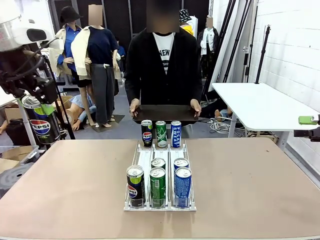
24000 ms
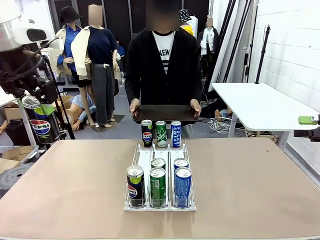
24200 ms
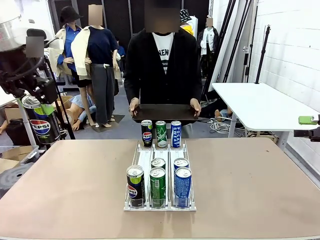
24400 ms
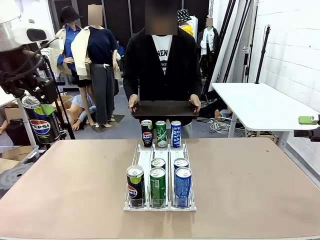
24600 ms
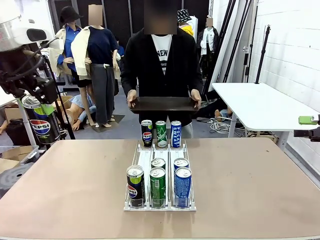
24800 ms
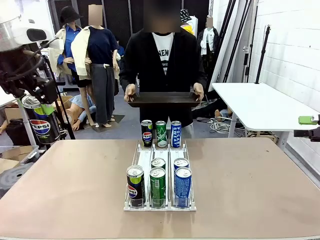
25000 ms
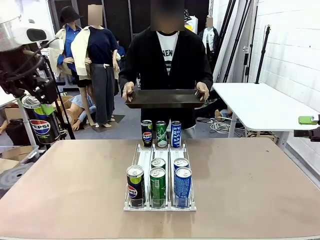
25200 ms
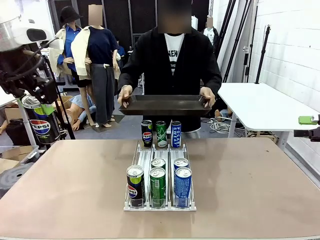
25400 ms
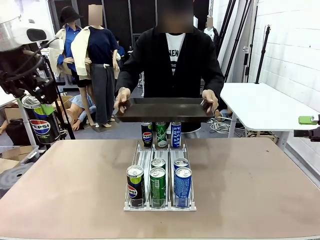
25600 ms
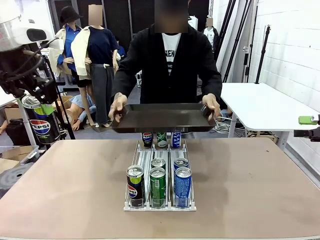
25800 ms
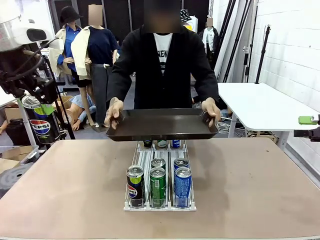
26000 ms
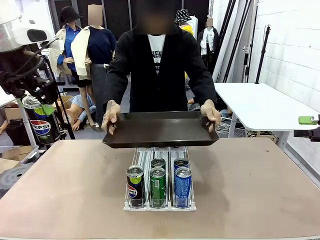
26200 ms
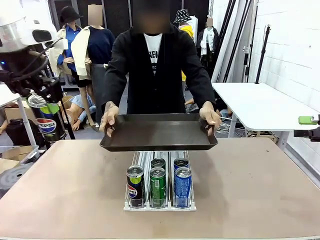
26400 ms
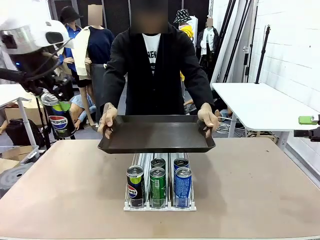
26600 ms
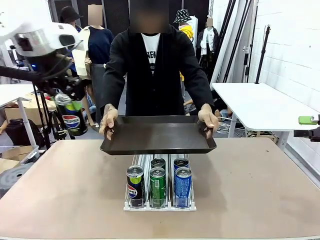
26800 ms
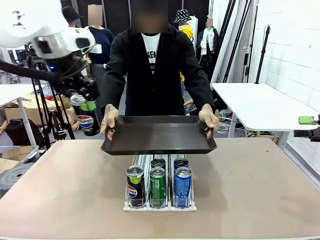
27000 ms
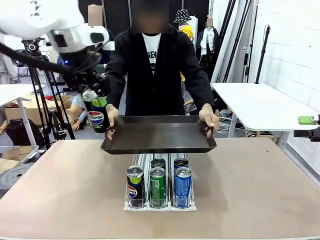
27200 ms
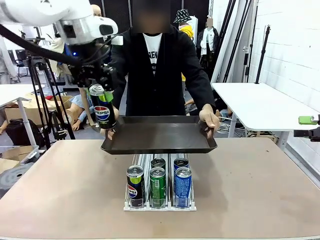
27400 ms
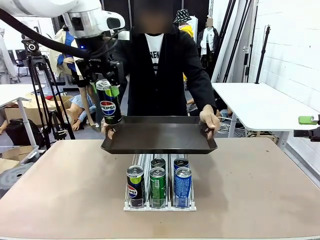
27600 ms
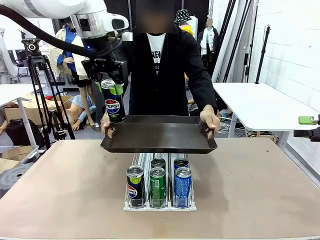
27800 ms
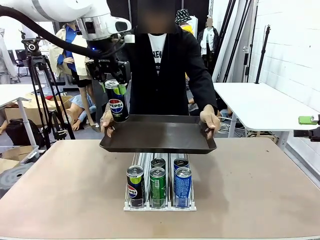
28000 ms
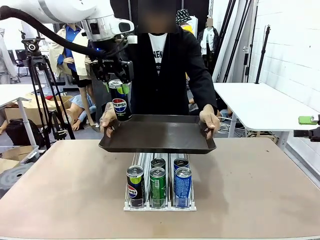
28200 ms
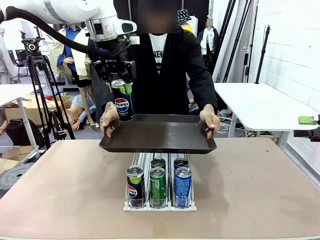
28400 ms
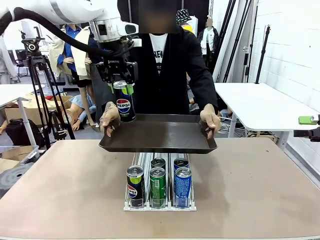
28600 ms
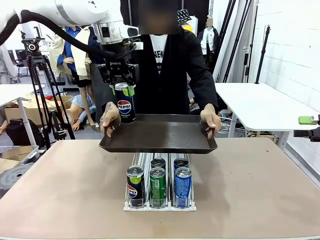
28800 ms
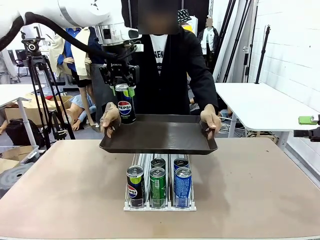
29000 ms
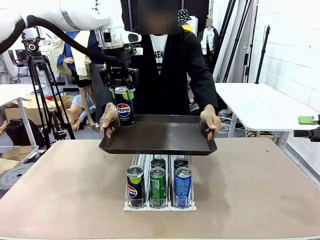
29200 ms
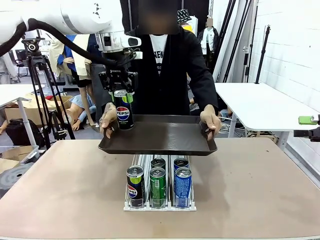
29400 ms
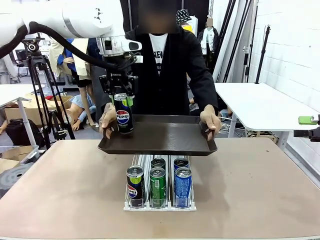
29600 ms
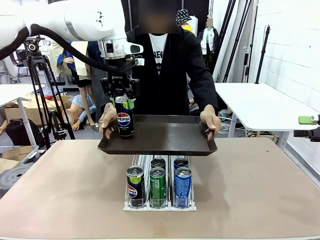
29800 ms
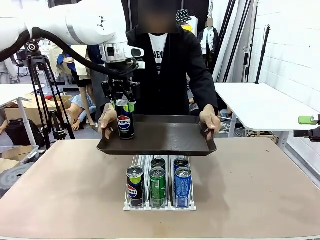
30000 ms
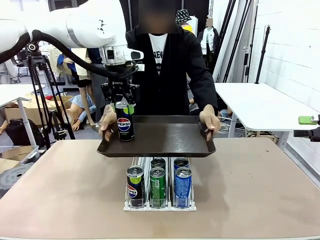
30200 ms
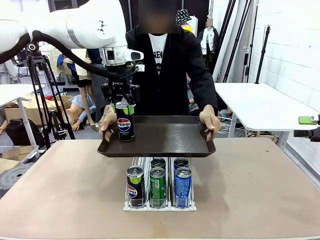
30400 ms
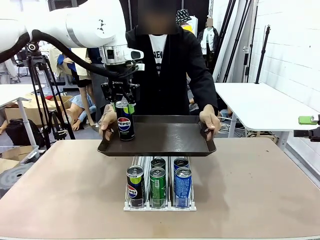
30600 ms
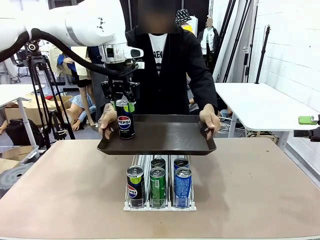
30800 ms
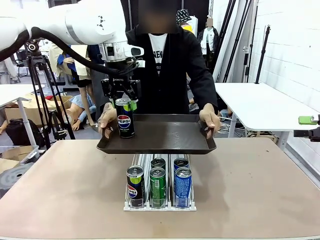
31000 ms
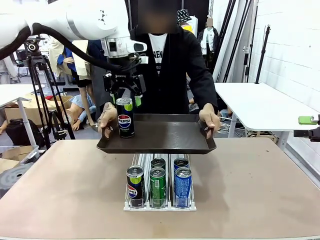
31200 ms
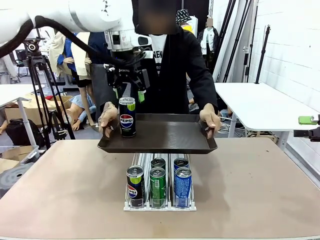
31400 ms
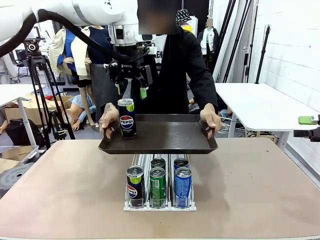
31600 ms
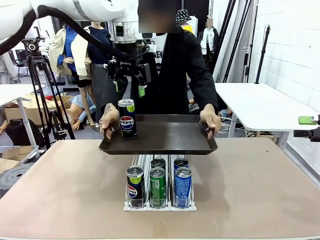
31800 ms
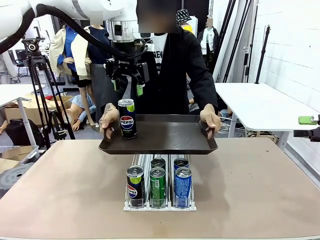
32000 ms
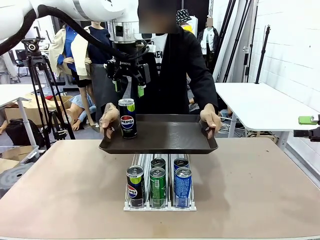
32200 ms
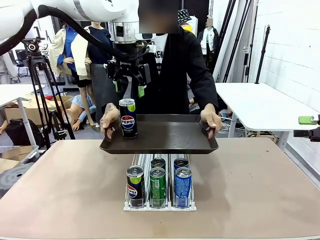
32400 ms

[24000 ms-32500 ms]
Task: Retrieve and hand over the desired beverage to the person.
Robot: Place the picked can on the Handle tray extended by the person.

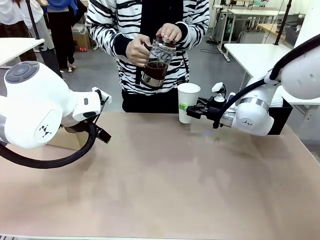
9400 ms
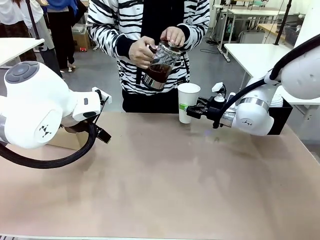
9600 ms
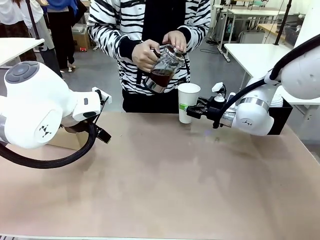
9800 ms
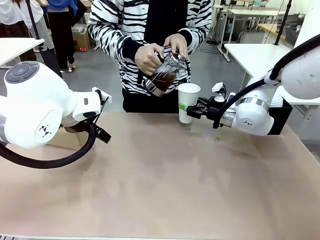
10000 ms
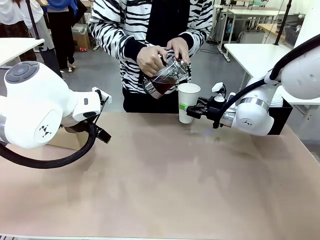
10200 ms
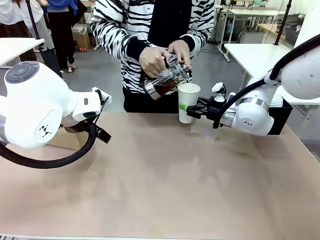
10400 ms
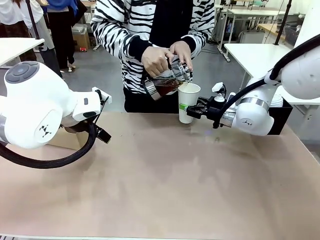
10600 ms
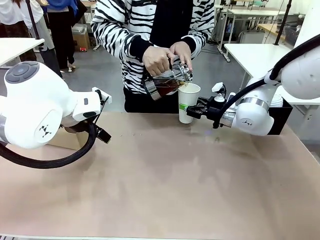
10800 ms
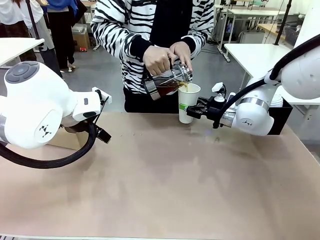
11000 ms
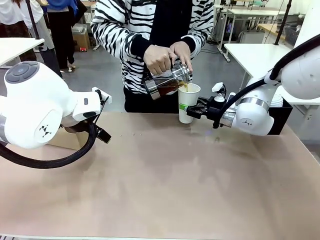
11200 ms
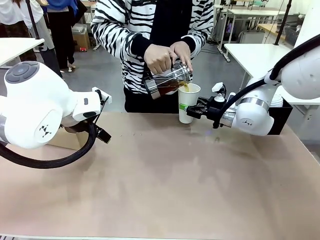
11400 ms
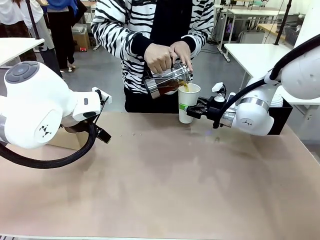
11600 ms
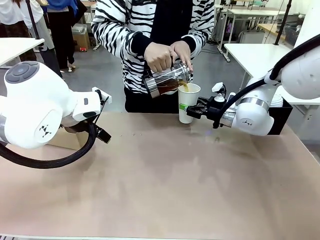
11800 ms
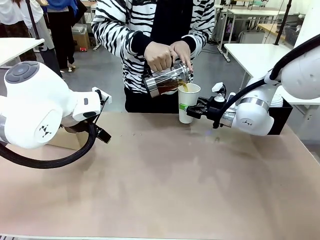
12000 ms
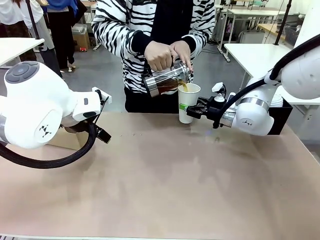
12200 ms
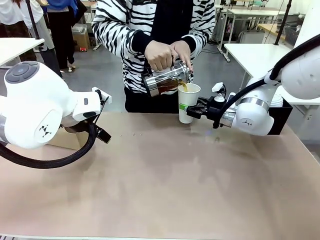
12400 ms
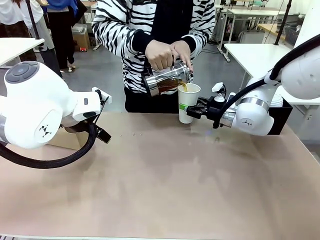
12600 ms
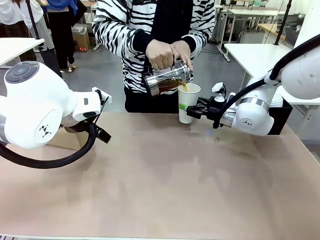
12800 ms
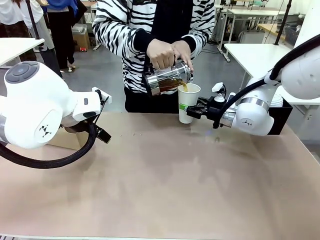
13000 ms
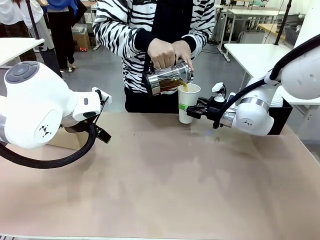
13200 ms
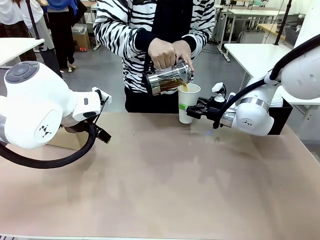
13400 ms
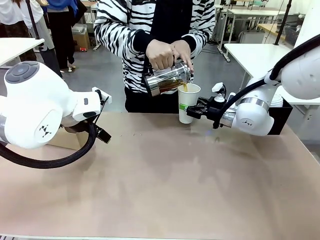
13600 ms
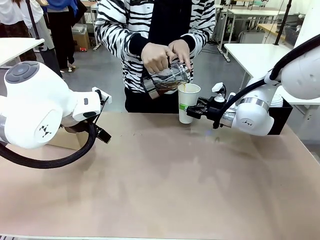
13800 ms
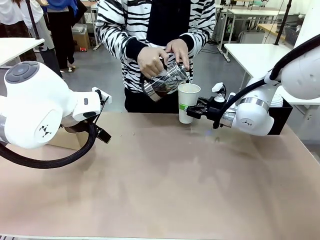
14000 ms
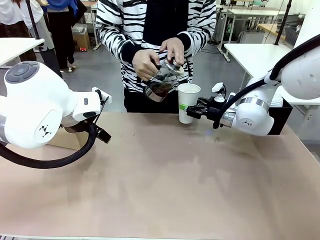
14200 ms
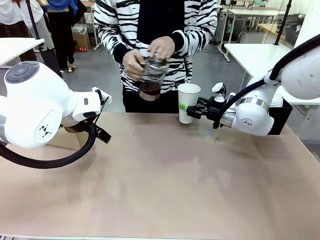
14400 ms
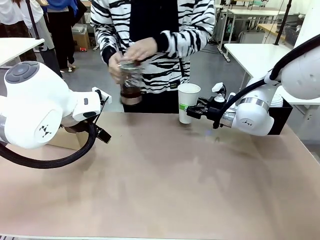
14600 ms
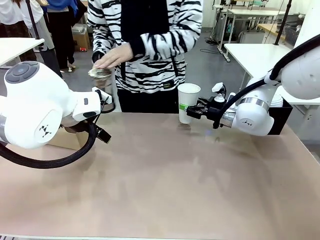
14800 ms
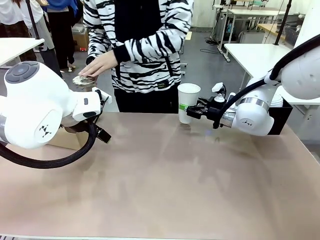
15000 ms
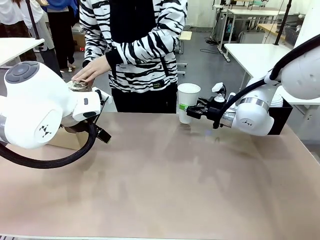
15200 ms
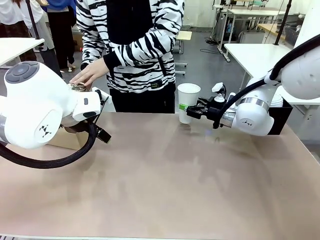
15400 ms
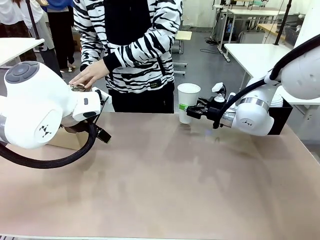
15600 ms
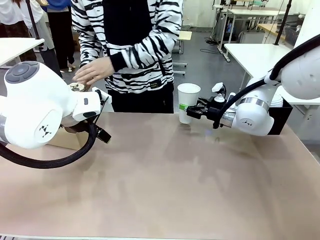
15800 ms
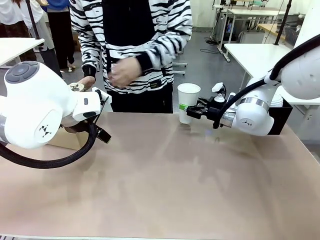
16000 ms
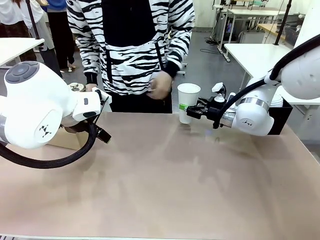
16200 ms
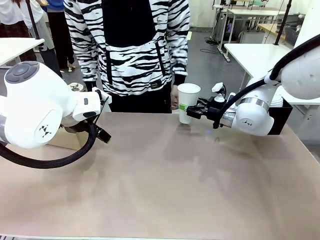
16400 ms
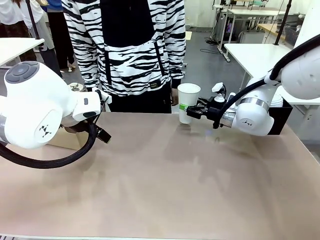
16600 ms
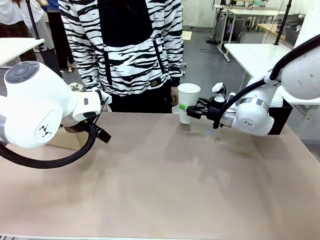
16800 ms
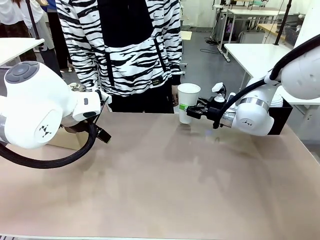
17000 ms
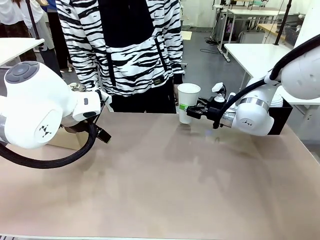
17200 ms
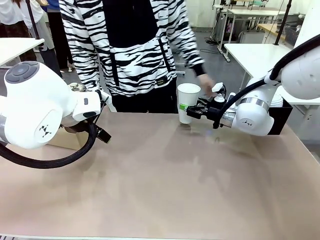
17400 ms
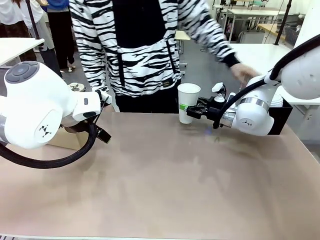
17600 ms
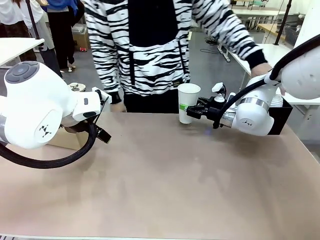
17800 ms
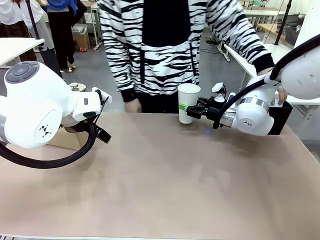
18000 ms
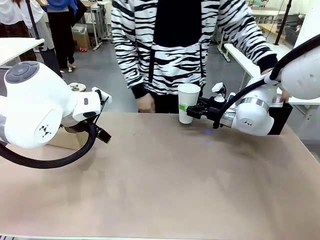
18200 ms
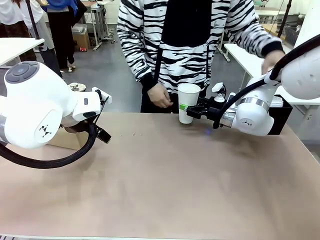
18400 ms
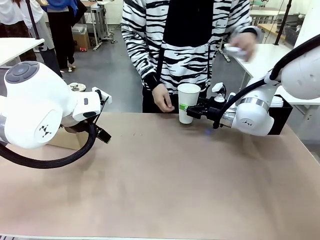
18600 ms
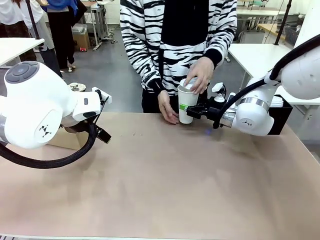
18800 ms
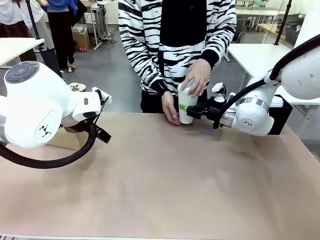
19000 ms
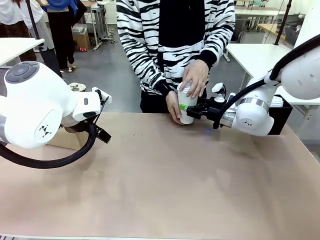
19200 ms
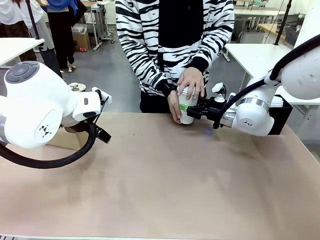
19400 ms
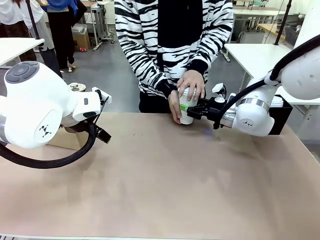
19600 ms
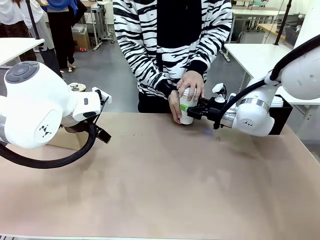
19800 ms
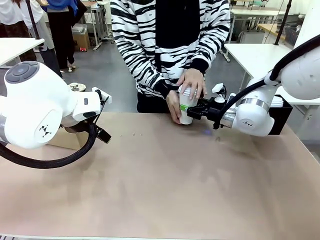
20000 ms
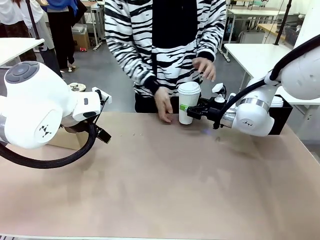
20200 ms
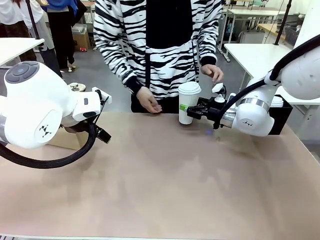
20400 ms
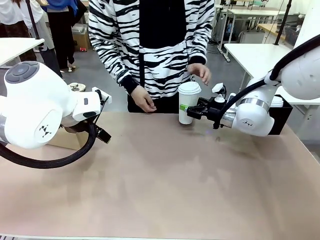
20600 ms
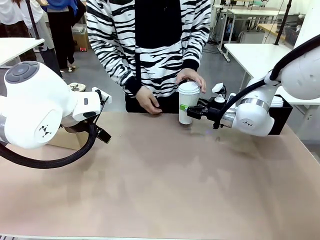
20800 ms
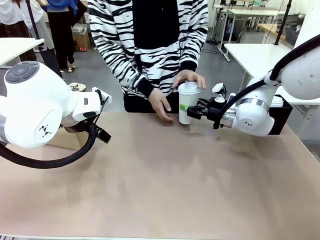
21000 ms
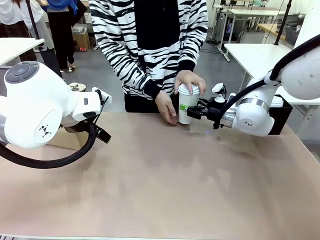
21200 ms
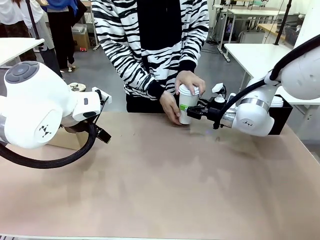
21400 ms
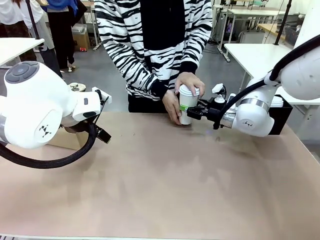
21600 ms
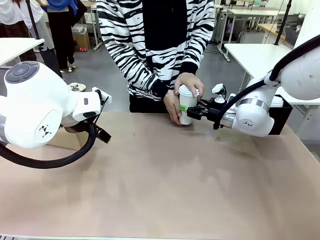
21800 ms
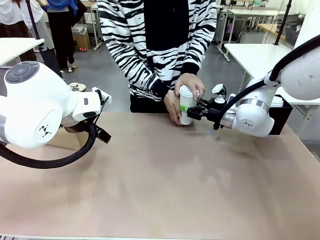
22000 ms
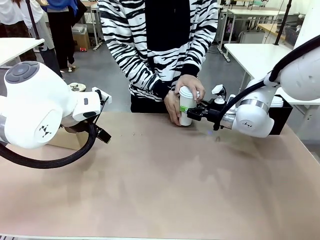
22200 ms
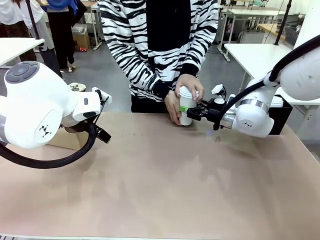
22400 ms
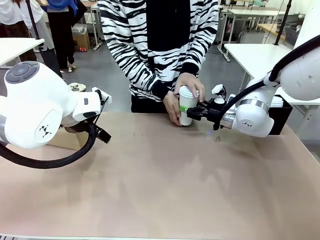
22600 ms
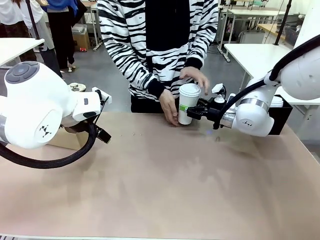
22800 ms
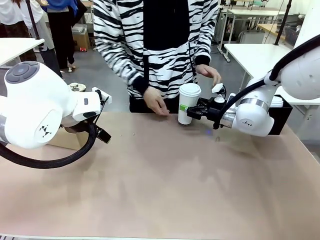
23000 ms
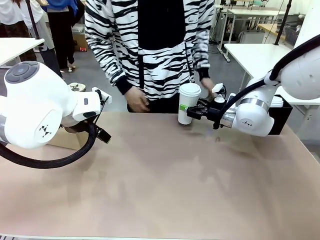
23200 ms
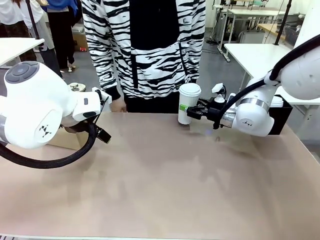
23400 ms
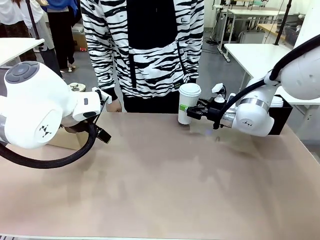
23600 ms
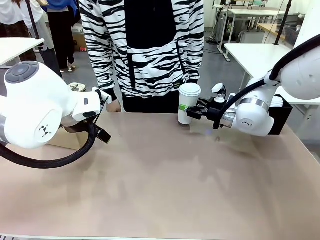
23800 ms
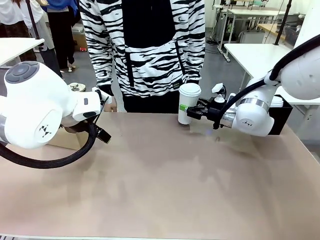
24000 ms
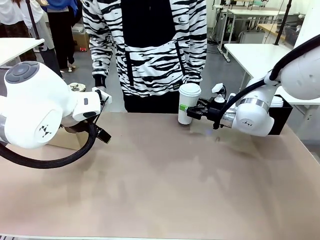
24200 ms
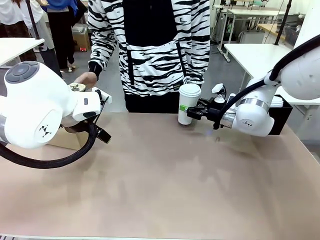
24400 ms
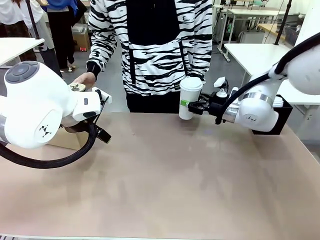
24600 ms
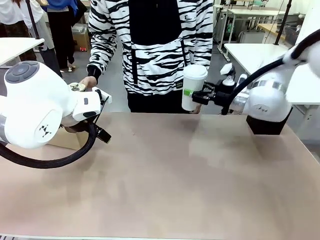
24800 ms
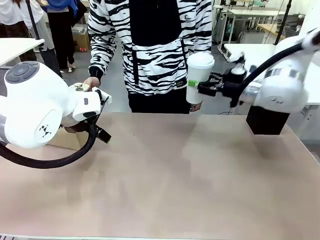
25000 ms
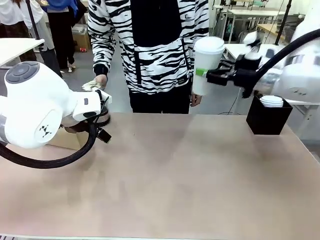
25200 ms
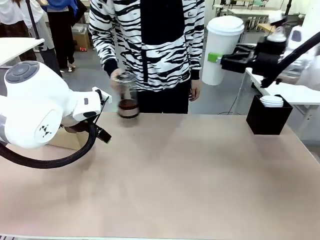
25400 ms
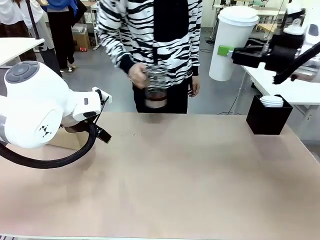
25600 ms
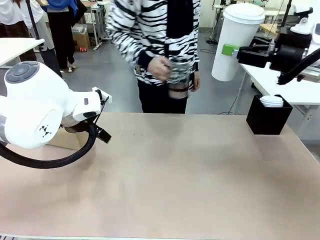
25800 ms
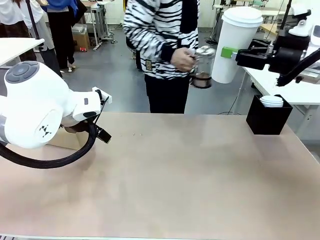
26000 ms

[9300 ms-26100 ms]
Task: Pour a drink into a cup and package it in a carrier.
Robot: When a person places the Paper Cup Lid on the 600 ml Paper Cup , lift the 600 ml Paper Cup.
Person: Pour the drink from the Filter Brewing into the 600 ml Paper Cup. Place a Paper Cup Lid on the 600 ml Paper Cup.
